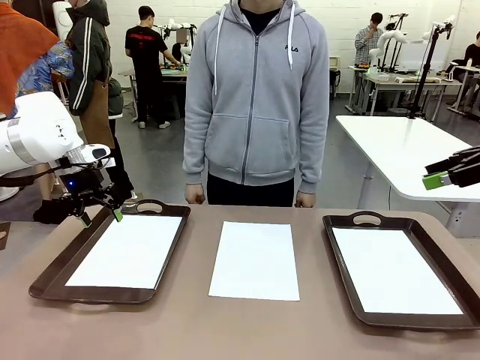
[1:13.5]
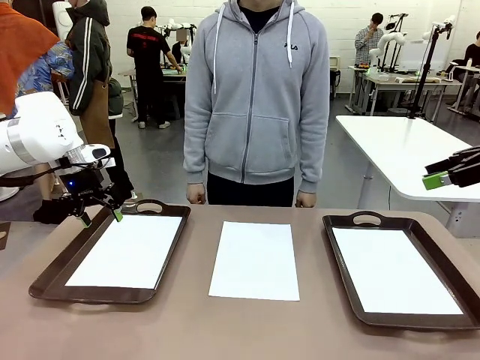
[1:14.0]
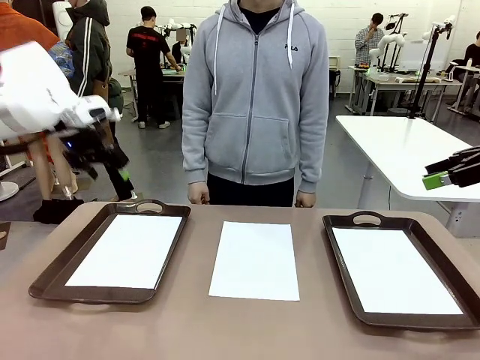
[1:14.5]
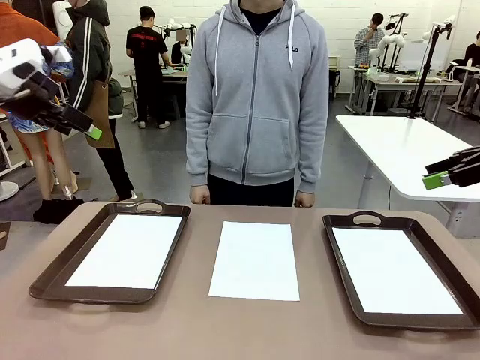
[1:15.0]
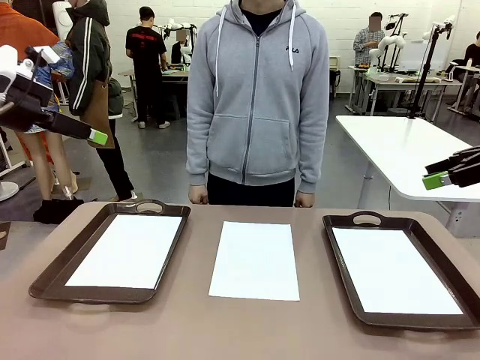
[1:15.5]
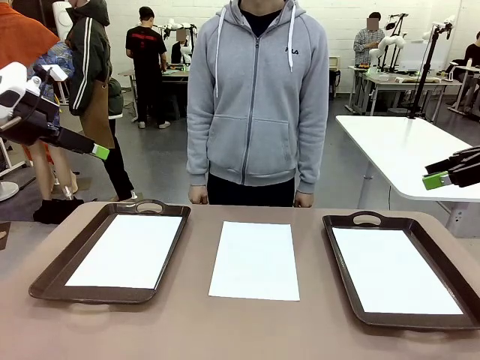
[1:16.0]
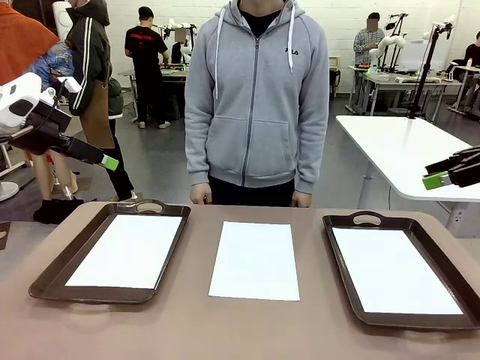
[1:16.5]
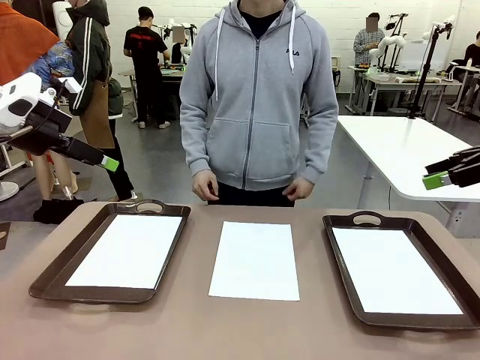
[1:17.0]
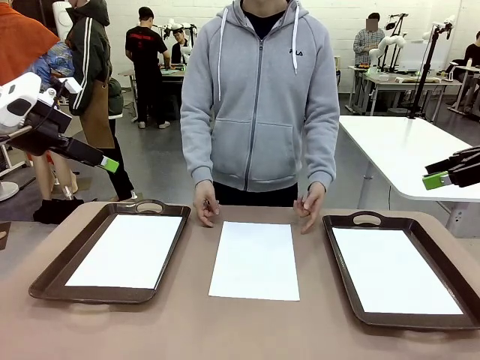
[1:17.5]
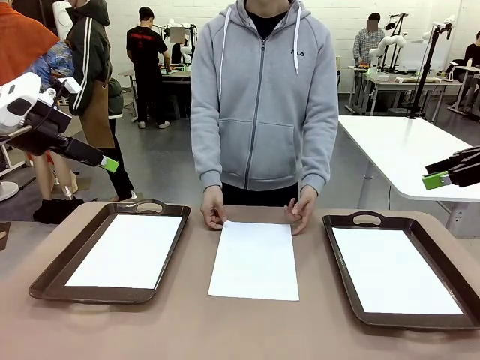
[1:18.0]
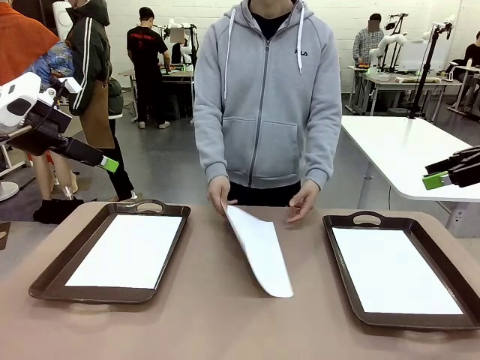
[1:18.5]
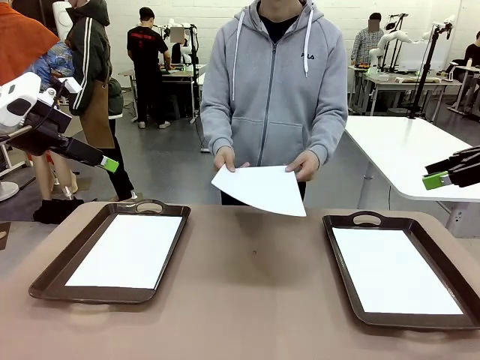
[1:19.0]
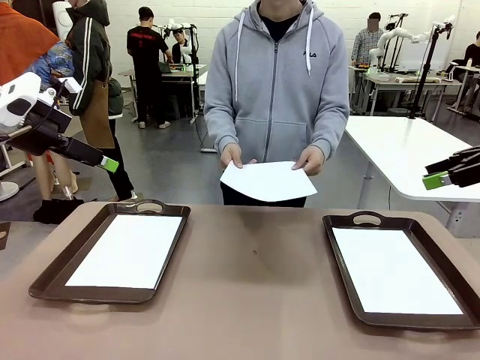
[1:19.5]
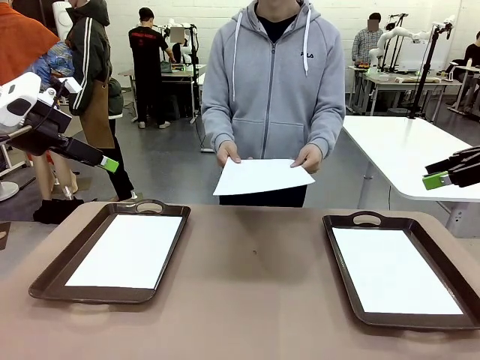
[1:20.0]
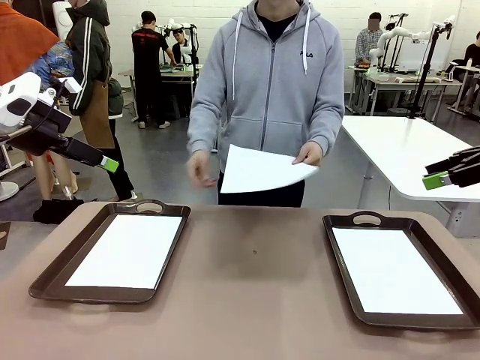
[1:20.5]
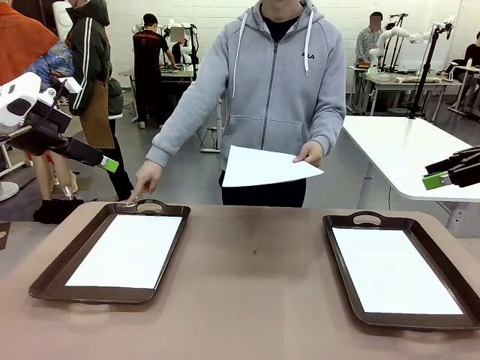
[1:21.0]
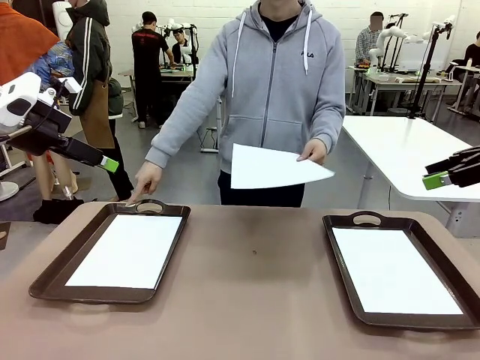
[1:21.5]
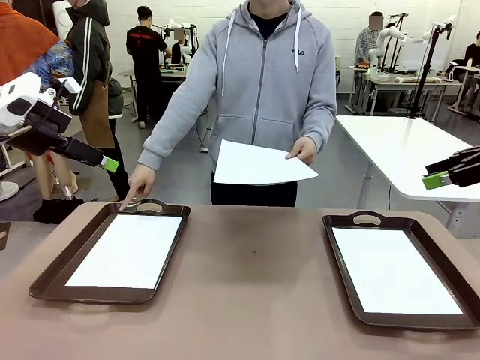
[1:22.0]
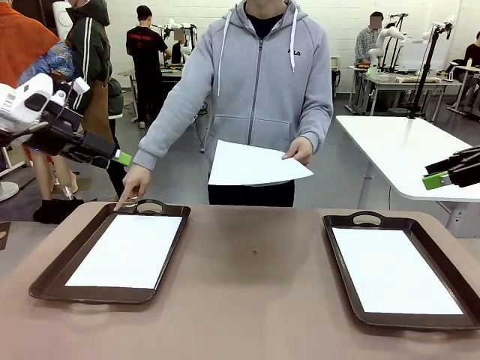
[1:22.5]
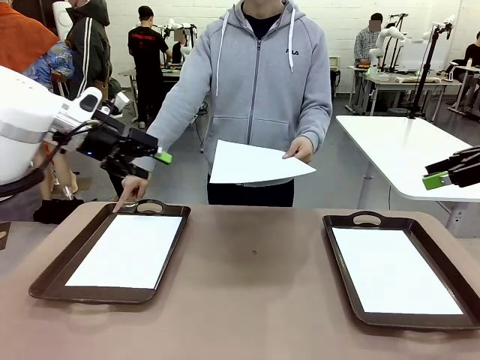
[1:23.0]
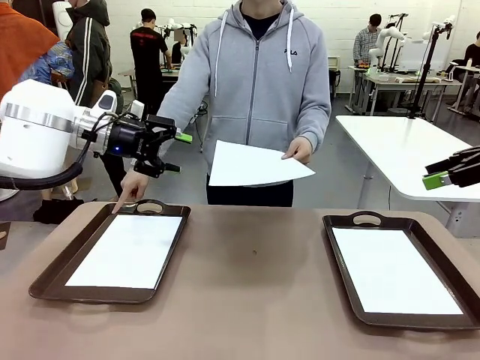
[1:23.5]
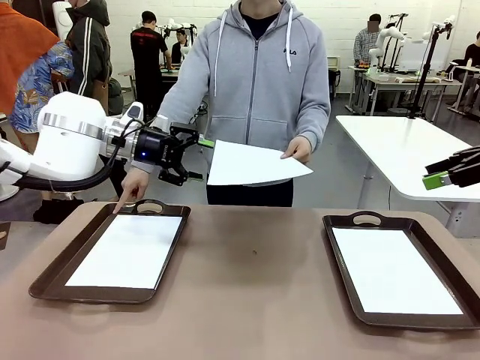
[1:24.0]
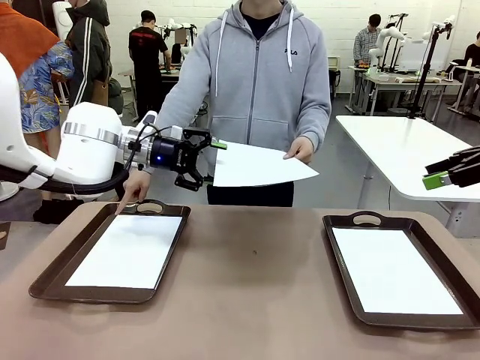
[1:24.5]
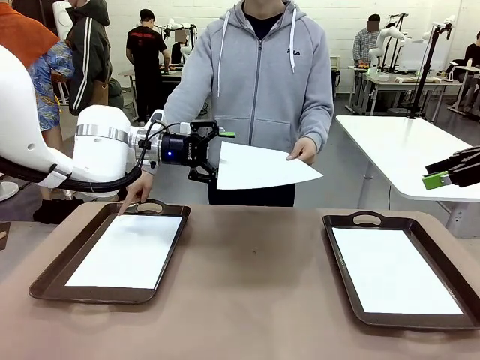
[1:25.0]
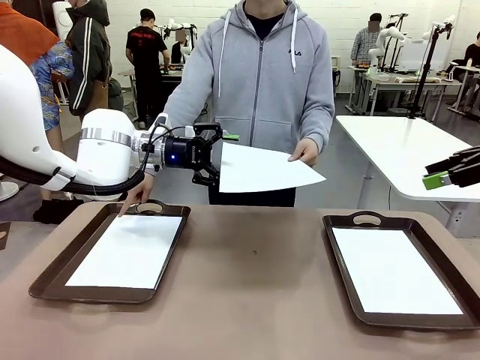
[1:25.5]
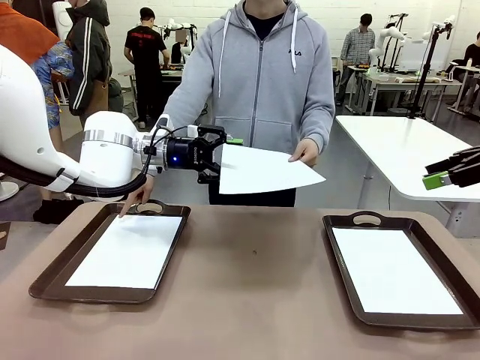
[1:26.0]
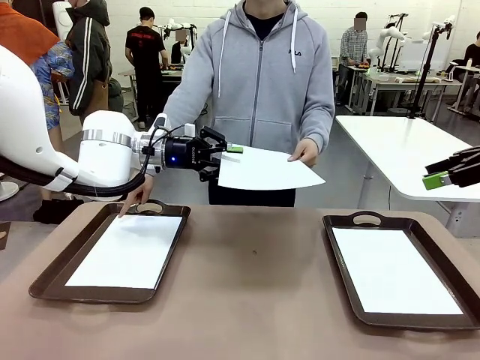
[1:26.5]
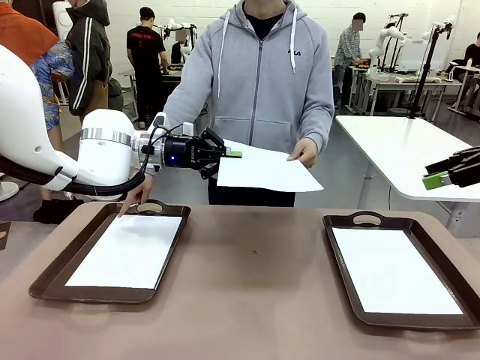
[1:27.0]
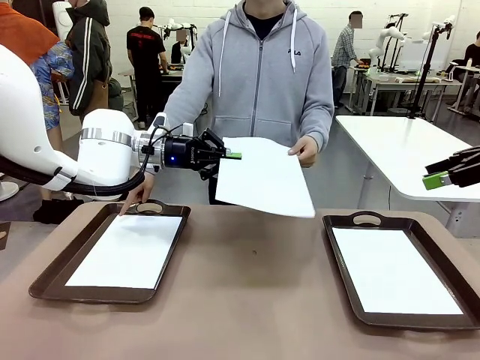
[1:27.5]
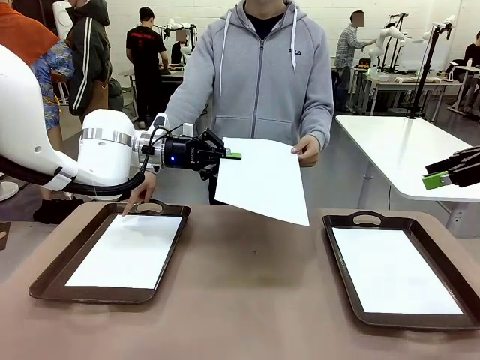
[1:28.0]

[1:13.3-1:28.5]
Task: Sort the A4 documents.
Robot: Receive the A4 Paper.
Person: Point the randomly selected tray with the other hand.

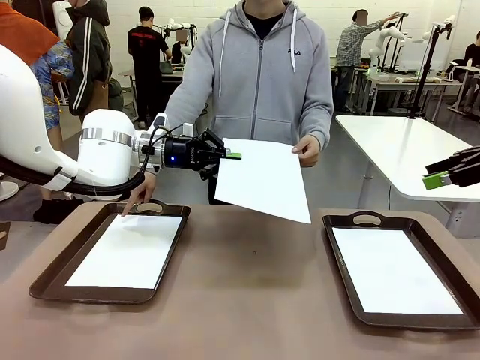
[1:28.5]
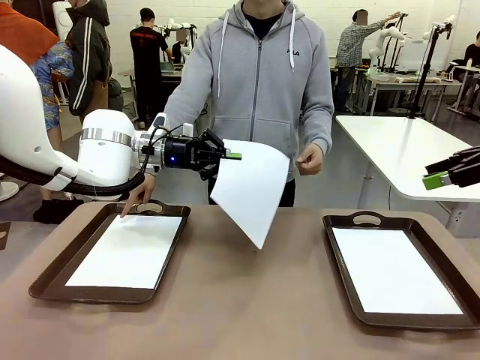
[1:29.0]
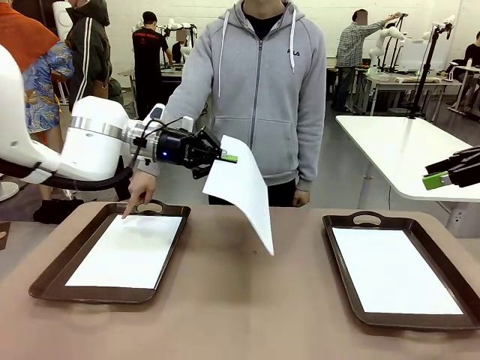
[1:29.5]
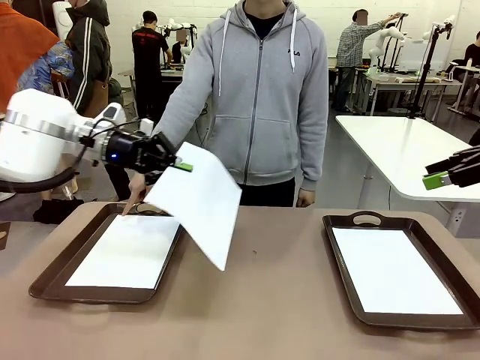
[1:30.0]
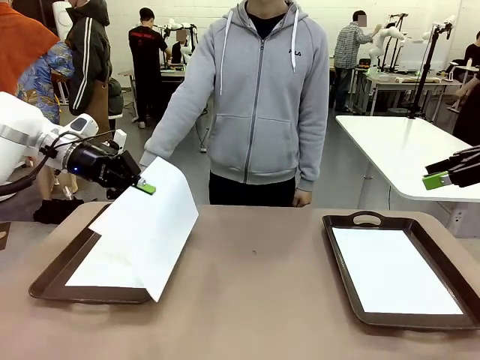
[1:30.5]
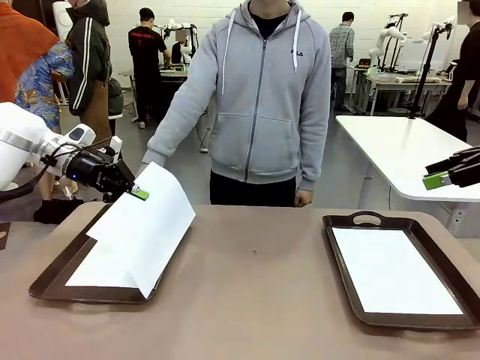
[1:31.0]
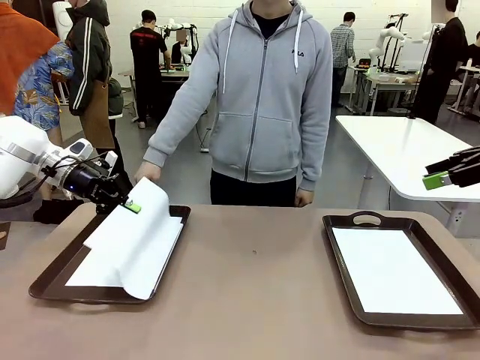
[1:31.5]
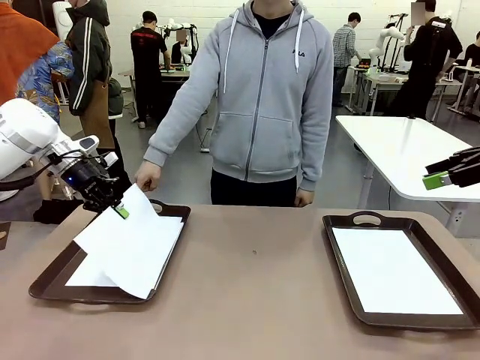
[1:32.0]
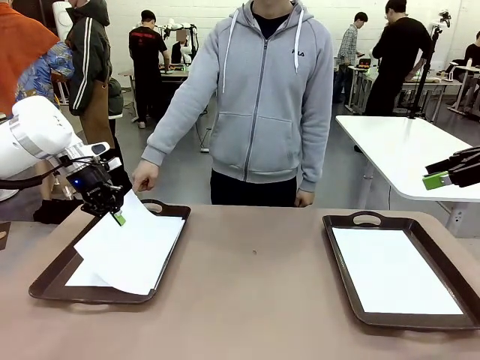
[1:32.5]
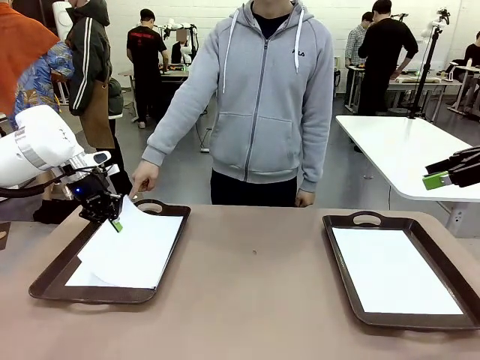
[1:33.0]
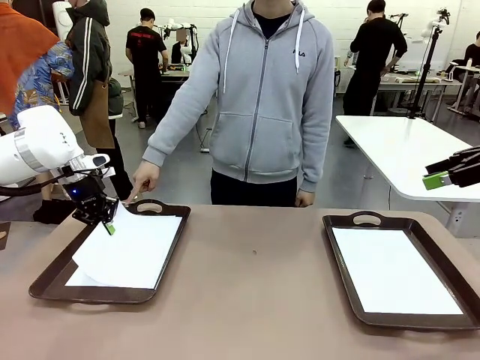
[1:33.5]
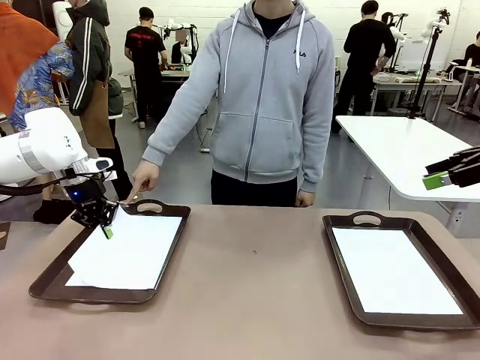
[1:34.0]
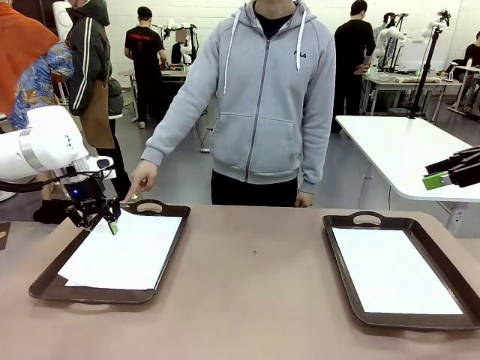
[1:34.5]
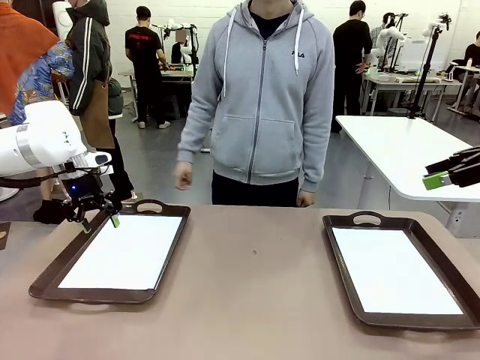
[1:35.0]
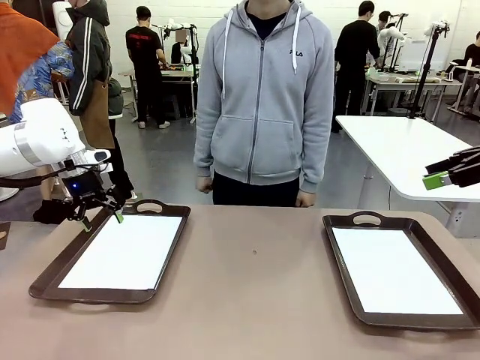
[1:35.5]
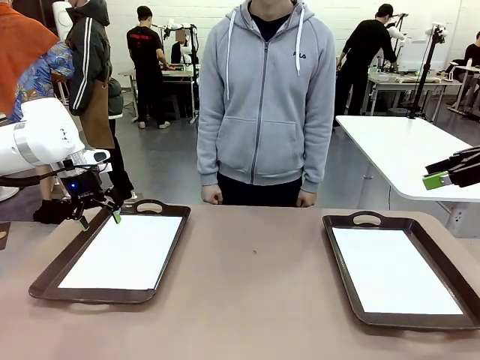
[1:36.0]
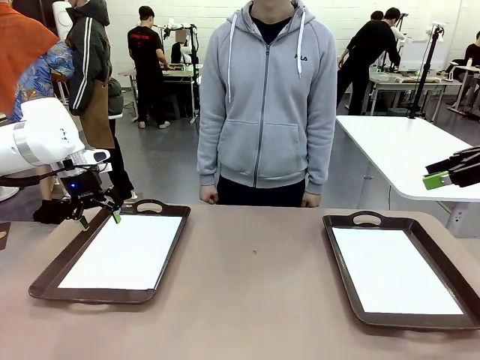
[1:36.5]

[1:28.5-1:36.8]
Robot: Place the A4 Paper in the designated Handle tray.
